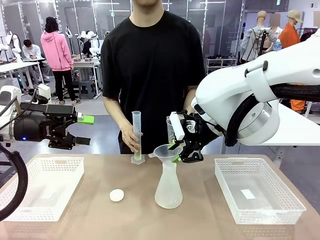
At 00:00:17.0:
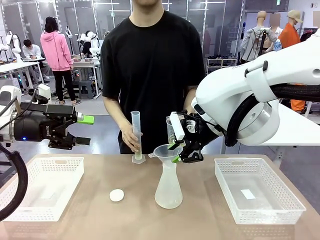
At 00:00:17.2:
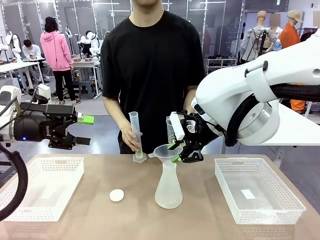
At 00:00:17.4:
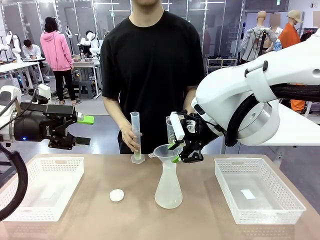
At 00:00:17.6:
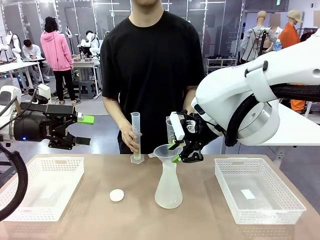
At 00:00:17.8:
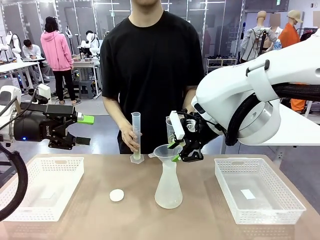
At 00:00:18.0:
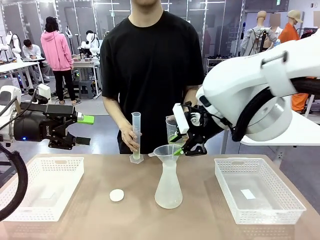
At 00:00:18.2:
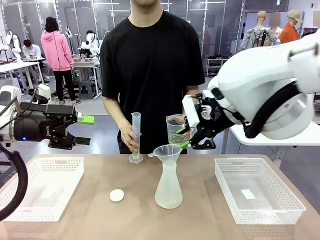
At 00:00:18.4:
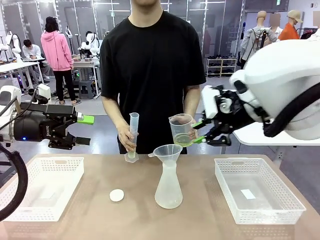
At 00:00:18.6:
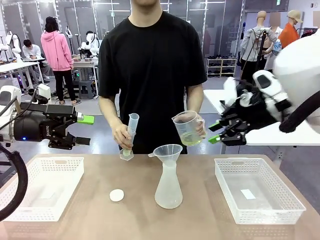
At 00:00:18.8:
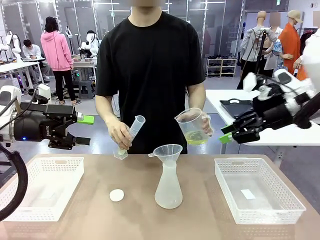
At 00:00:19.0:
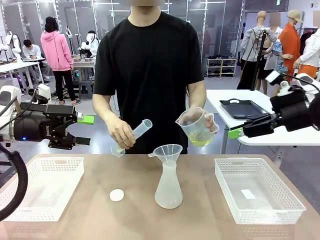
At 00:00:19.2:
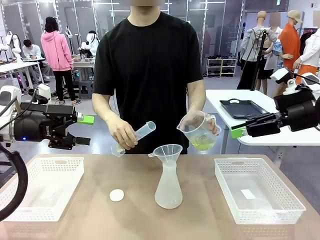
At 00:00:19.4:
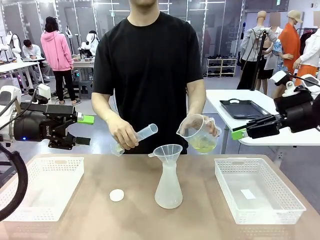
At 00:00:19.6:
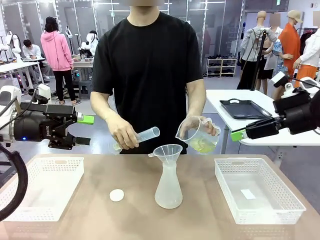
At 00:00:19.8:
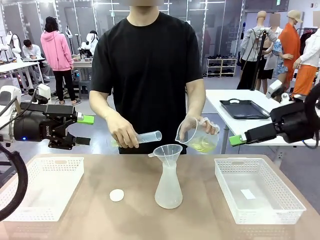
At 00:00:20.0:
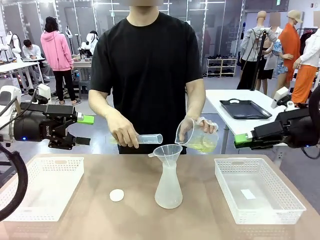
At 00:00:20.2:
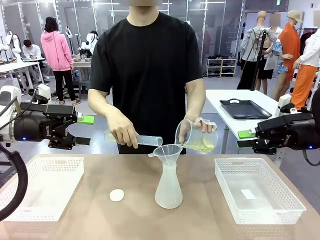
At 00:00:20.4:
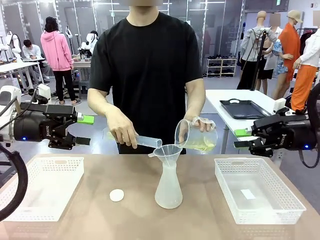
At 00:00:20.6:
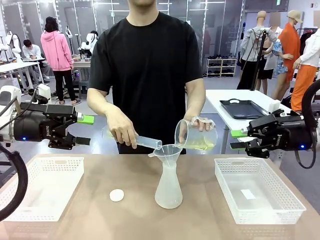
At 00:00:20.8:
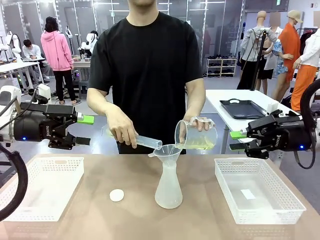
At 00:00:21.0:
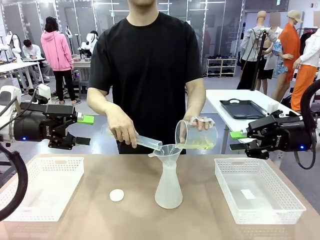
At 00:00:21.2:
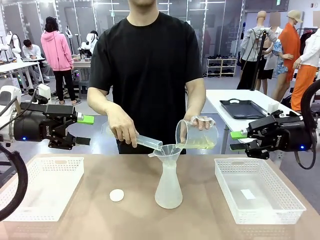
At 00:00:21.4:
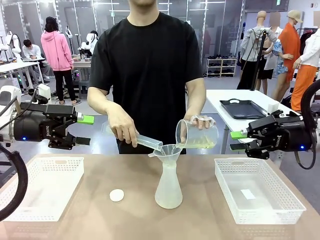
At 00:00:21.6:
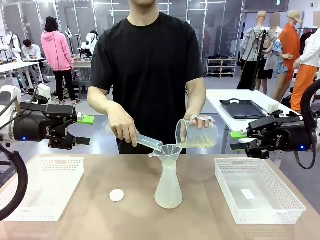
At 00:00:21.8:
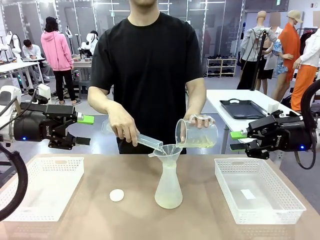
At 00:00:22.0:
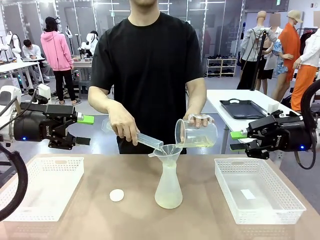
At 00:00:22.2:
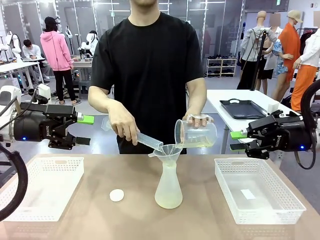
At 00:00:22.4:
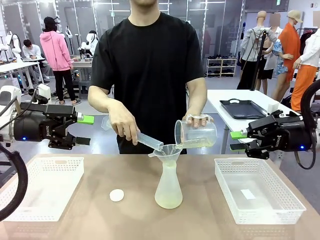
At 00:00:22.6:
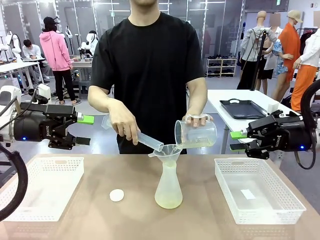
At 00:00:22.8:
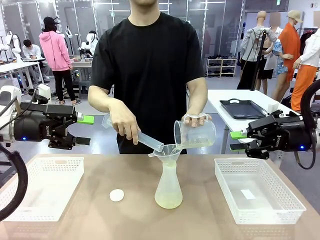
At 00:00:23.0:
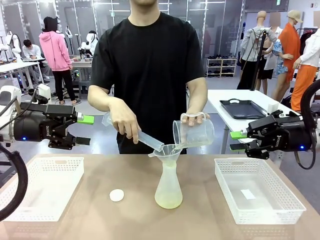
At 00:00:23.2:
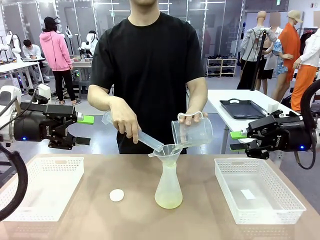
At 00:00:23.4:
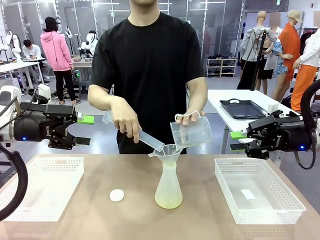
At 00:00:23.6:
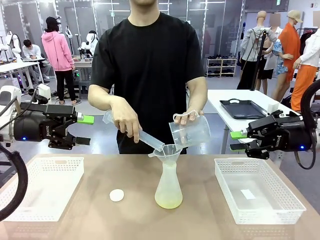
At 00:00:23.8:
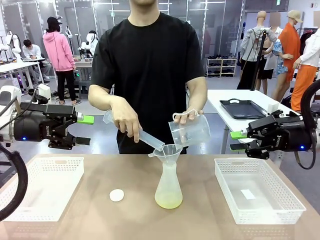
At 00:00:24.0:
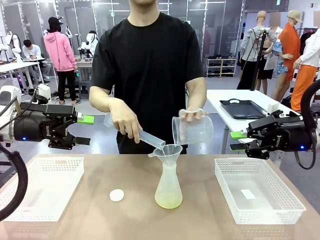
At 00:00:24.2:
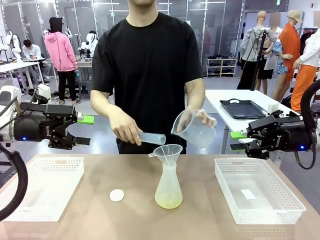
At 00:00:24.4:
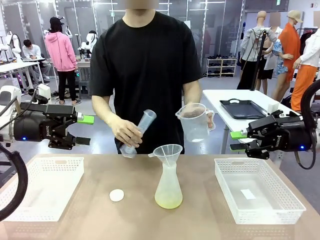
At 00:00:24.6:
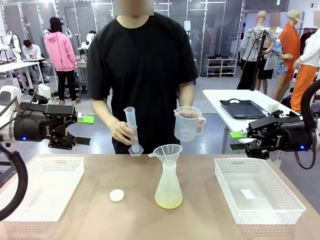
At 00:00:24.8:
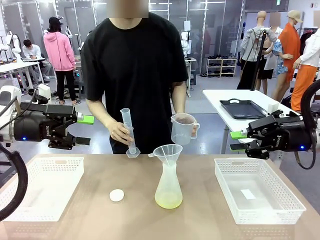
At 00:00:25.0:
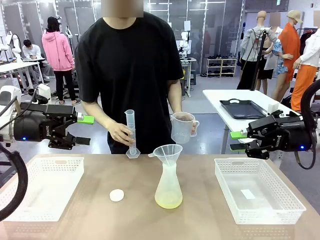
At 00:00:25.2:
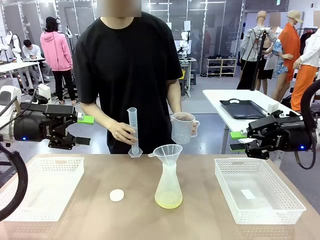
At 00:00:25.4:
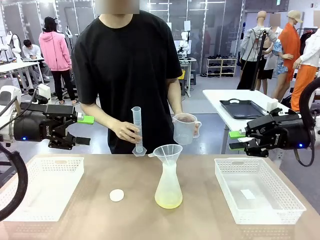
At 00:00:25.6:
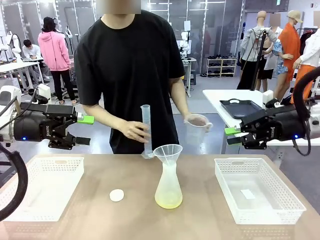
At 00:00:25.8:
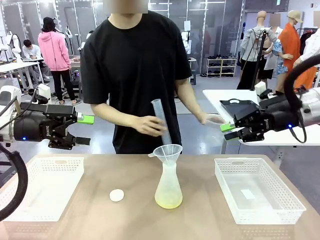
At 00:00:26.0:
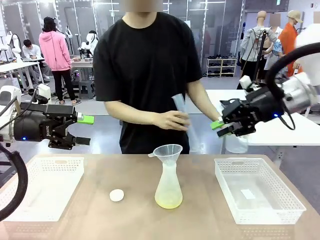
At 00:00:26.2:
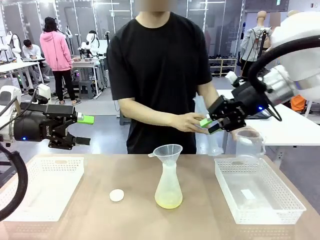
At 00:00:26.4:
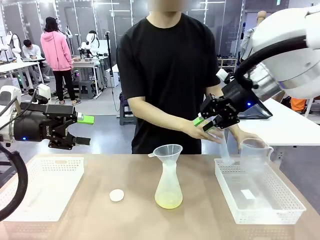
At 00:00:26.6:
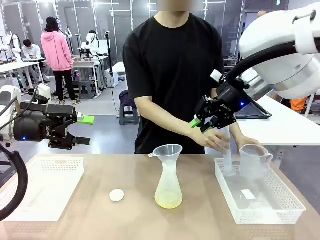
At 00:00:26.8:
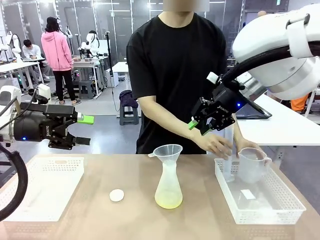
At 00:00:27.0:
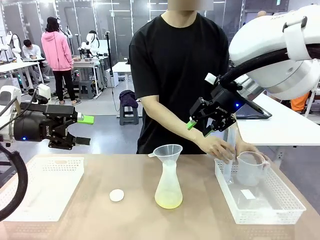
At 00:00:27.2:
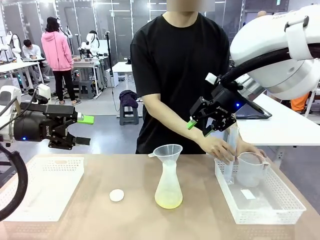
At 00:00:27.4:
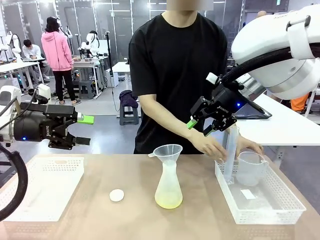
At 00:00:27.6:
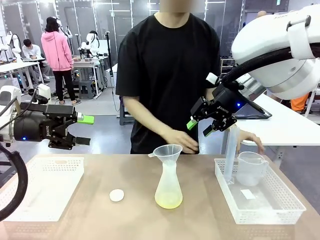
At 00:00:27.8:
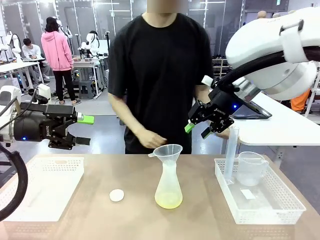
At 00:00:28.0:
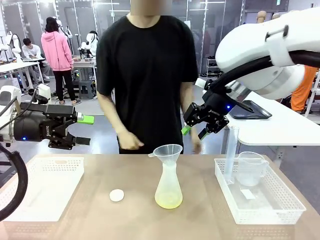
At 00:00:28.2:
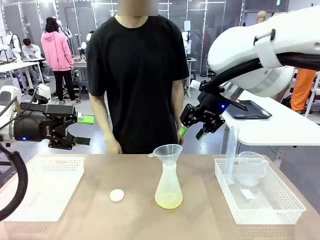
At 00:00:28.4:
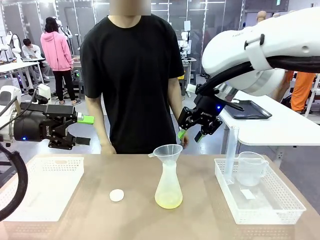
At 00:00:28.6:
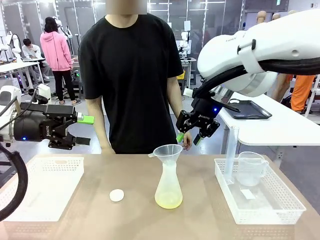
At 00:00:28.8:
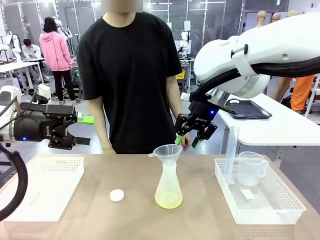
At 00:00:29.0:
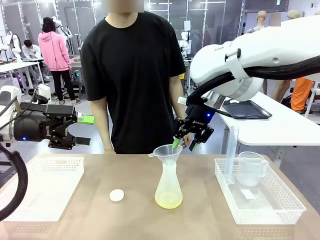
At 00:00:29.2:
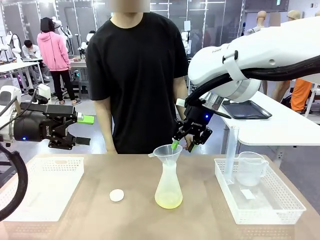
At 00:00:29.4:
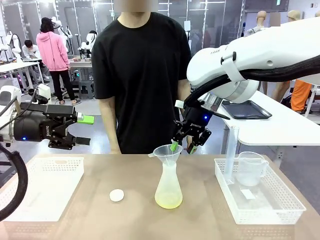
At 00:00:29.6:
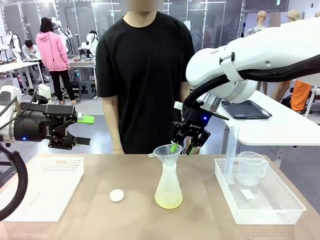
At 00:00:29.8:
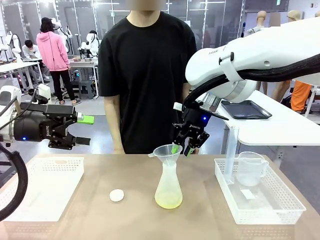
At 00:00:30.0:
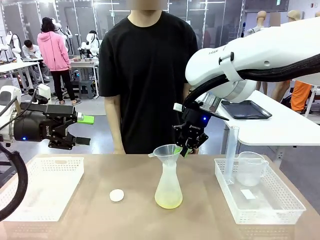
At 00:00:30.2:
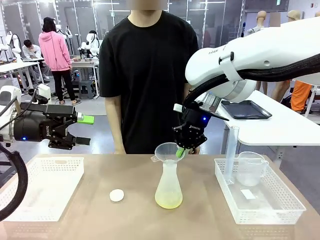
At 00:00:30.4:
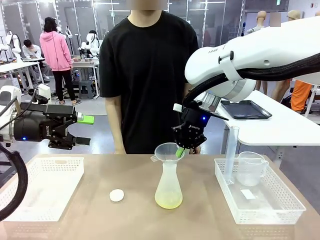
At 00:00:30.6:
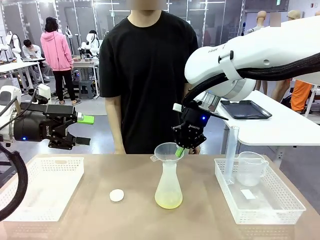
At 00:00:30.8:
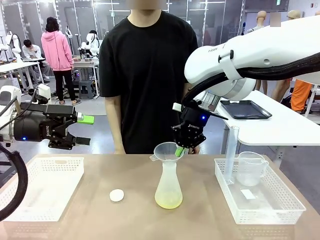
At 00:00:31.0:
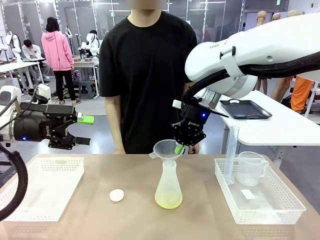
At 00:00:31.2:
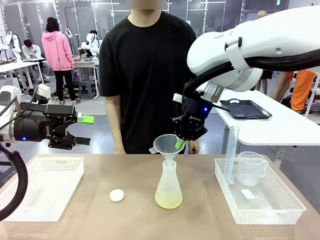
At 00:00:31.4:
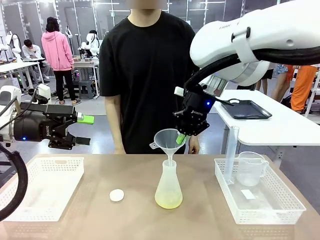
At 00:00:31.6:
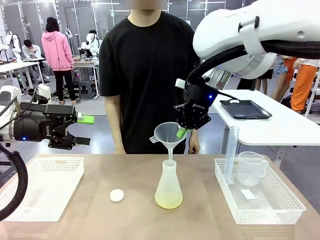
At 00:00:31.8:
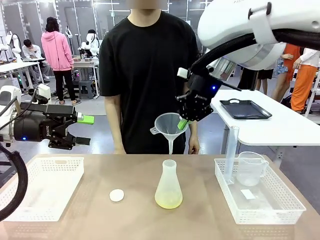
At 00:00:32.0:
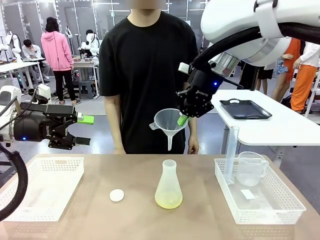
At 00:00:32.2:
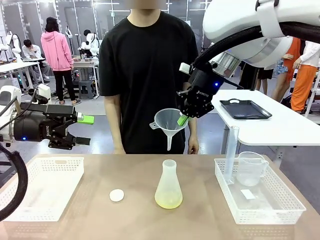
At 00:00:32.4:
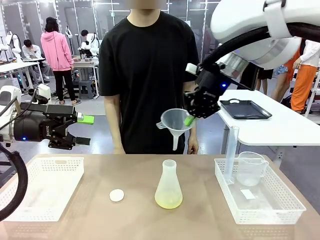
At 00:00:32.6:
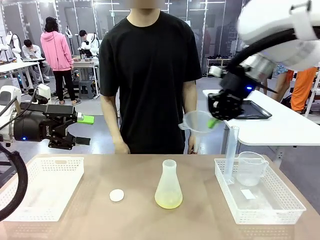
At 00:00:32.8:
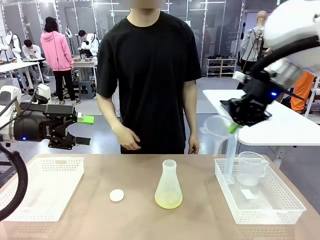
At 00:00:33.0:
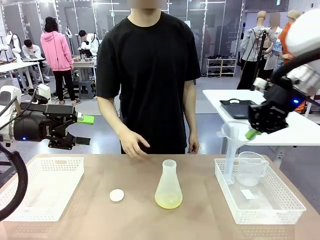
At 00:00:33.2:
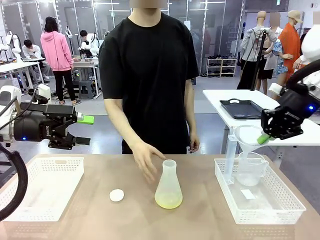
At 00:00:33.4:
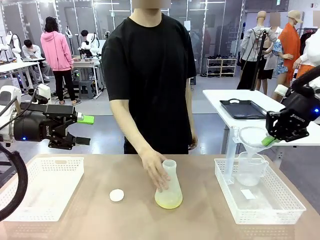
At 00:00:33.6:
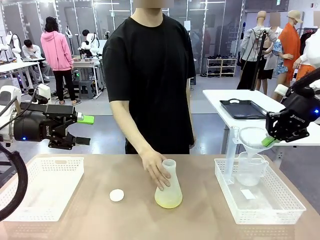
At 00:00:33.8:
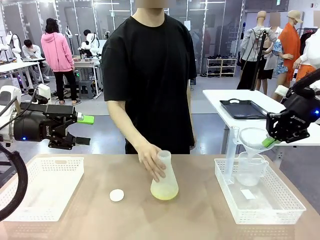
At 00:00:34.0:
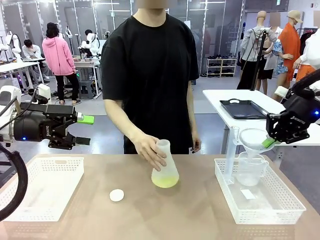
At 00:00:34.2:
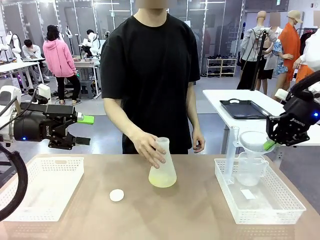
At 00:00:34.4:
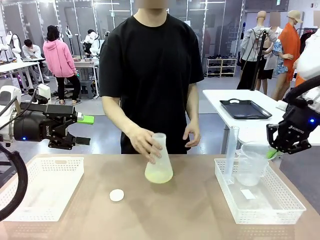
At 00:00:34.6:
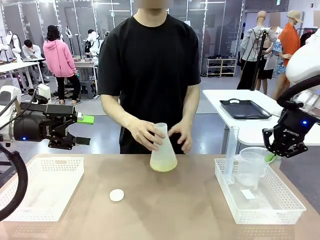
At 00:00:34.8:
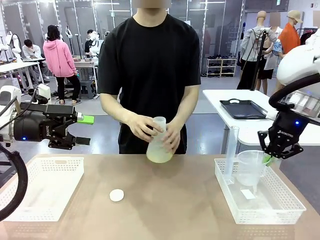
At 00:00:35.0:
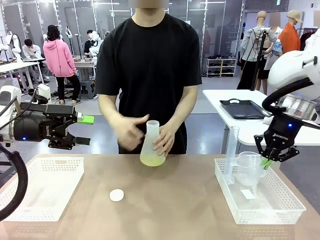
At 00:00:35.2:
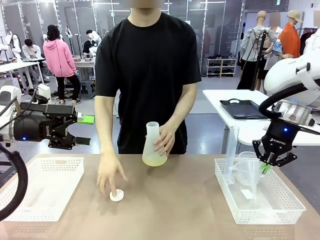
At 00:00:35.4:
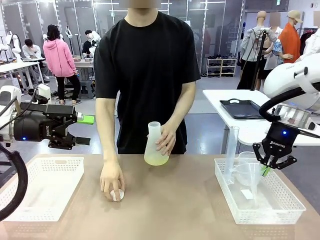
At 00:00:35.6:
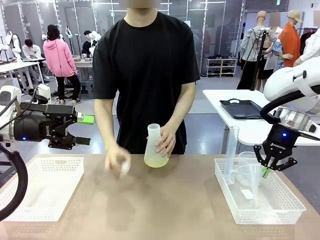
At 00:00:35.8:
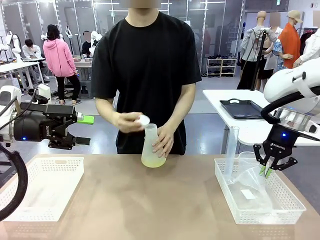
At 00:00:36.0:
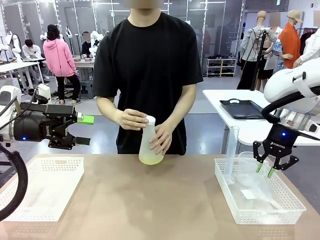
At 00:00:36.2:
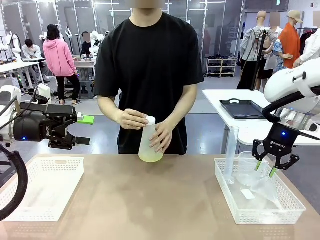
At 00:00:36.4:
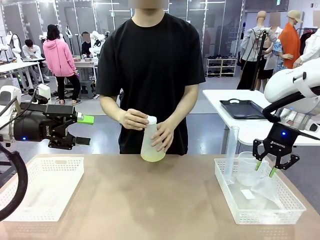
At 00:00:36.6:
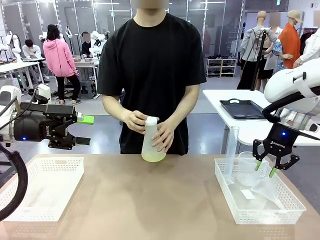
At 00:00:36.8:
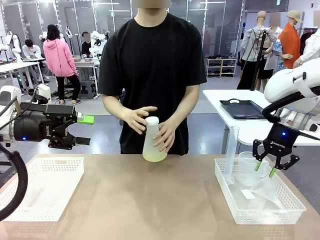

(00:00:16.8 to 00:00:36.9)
Task: Prepare the solutions needed for the experiment.
Robot: Once the solution is in the Big flask , pick up the Plastic Funnel and place it back into the right Organizing basket.
Person: Pour the solution from the beaker and the cylinder into the flask. Place the beaker and the cylinder into the organizing basket on the left side. Pick up the flask, gently shake it 2–3 times, place it in the middle of the robot table, and close the lid.
